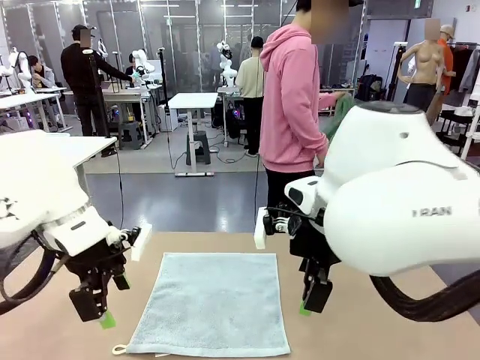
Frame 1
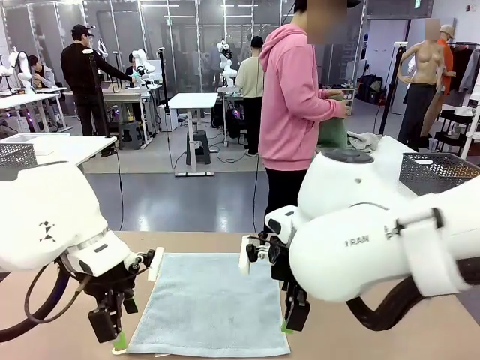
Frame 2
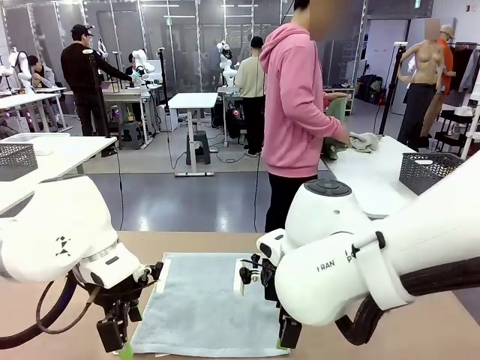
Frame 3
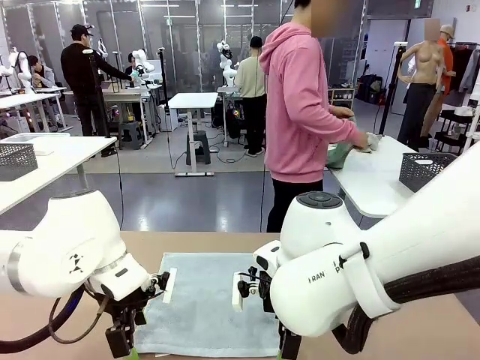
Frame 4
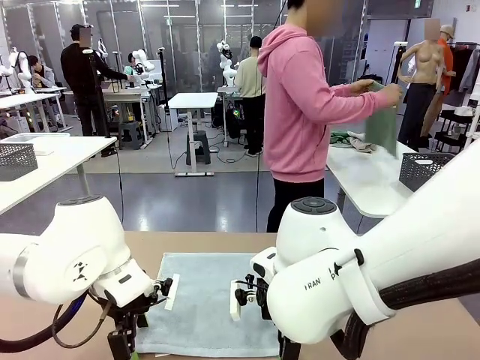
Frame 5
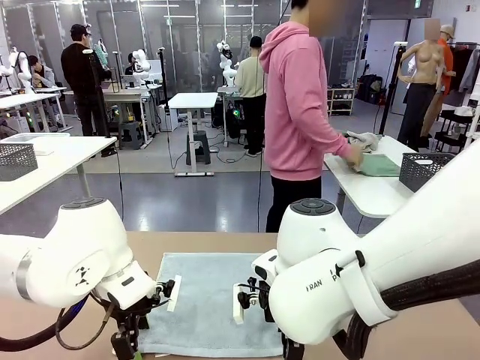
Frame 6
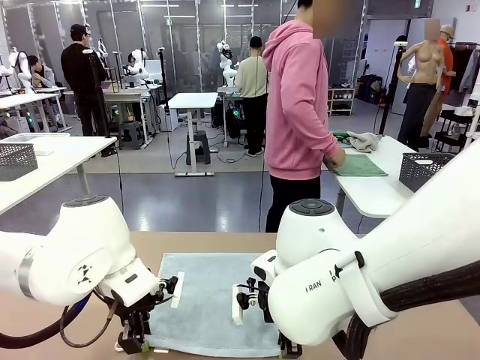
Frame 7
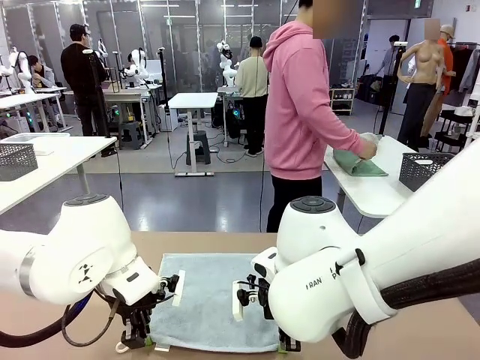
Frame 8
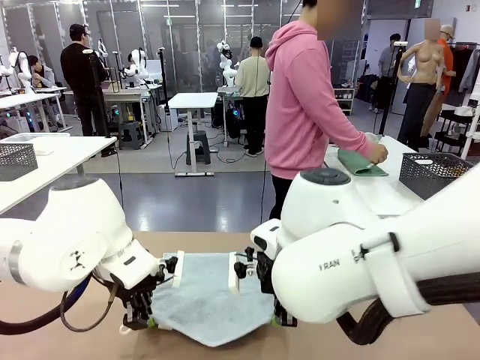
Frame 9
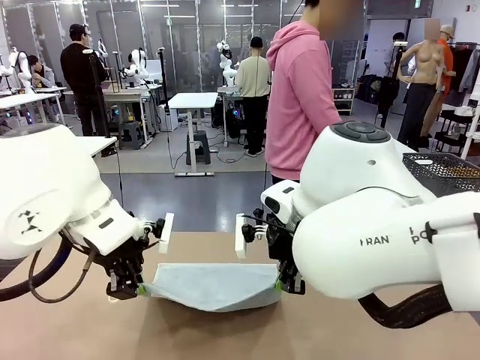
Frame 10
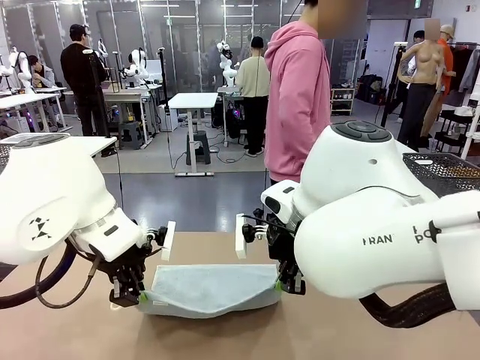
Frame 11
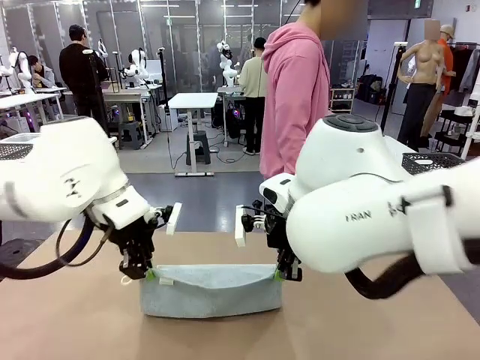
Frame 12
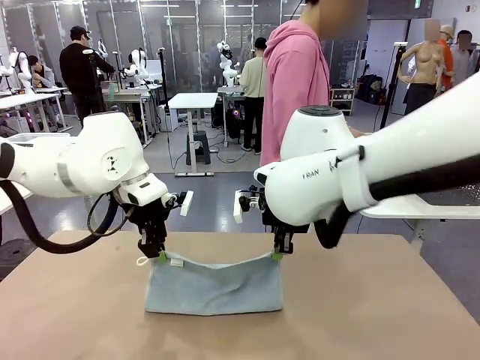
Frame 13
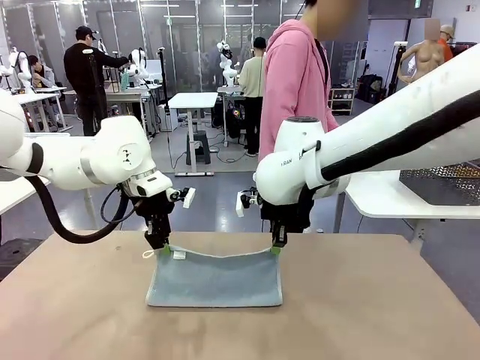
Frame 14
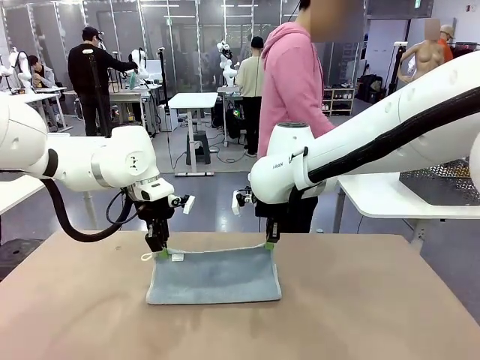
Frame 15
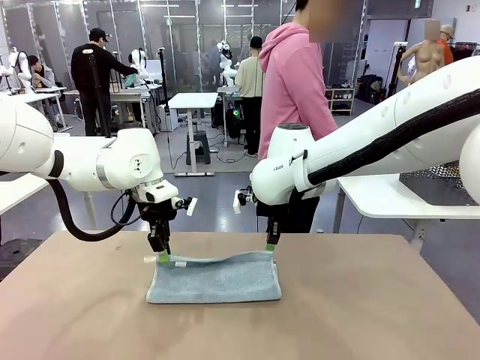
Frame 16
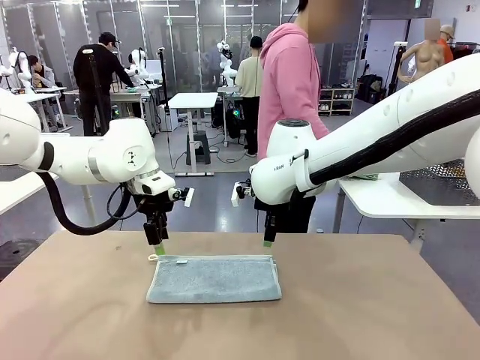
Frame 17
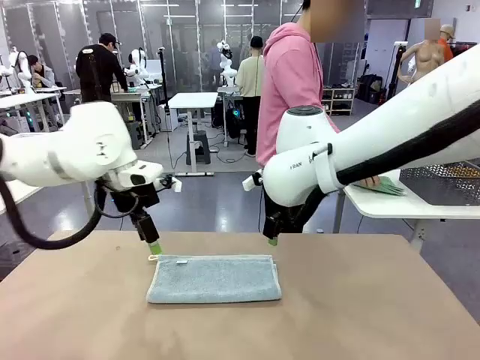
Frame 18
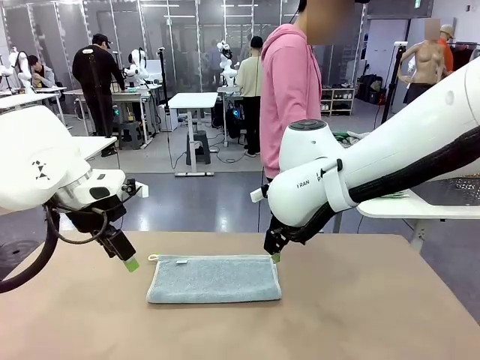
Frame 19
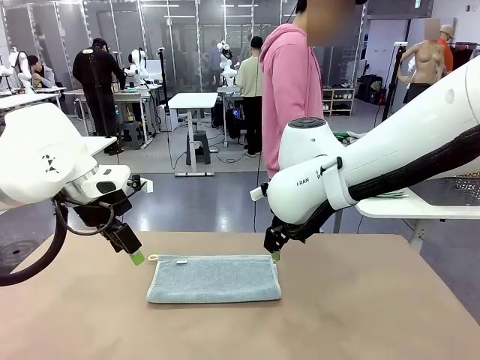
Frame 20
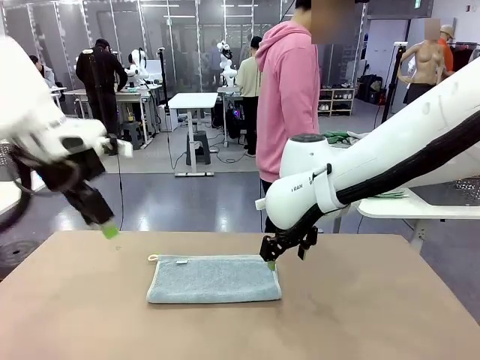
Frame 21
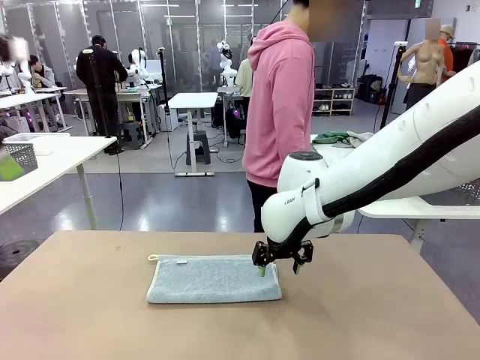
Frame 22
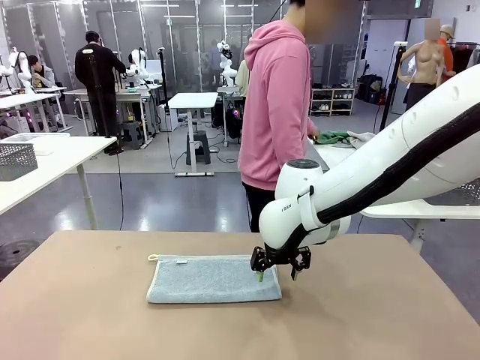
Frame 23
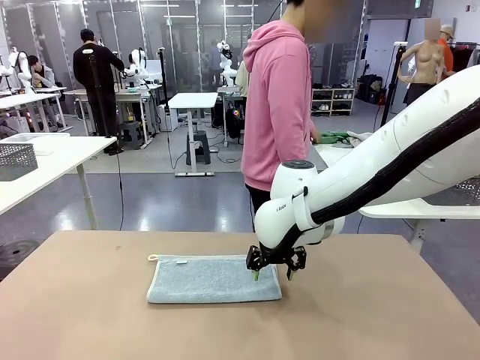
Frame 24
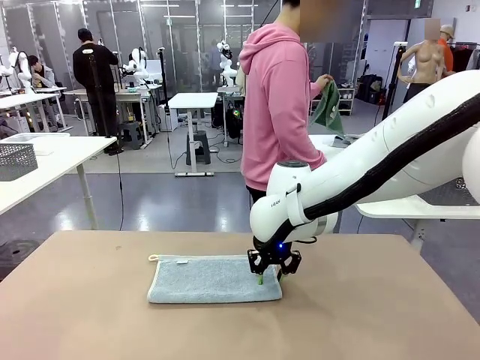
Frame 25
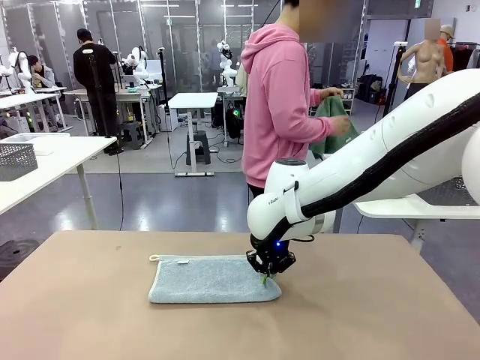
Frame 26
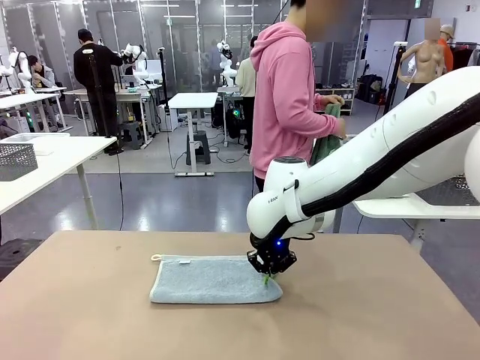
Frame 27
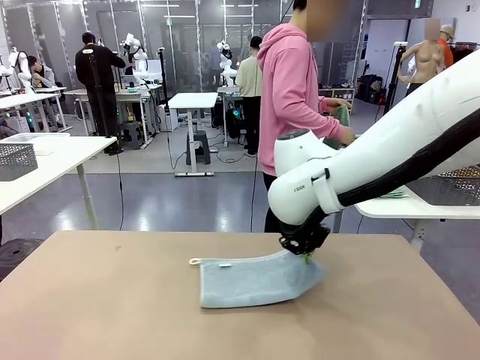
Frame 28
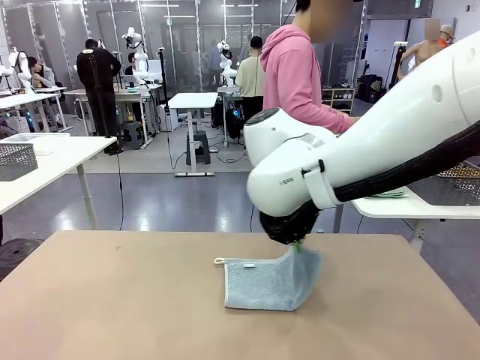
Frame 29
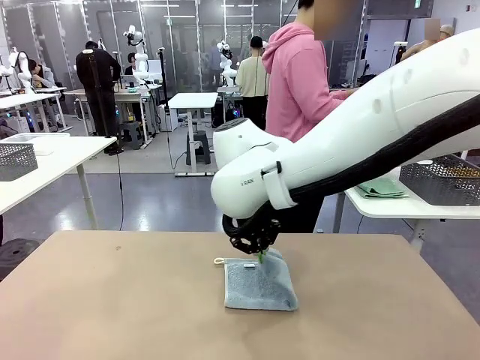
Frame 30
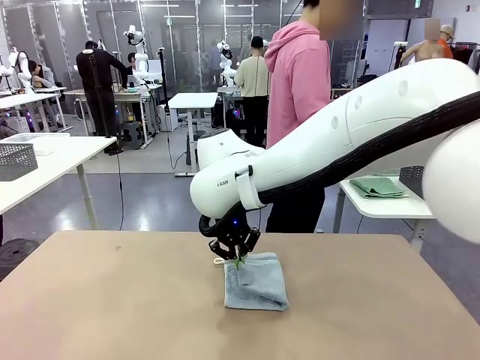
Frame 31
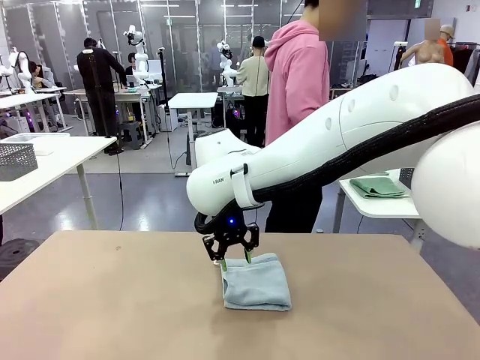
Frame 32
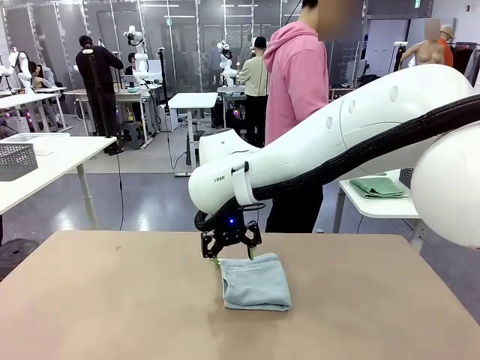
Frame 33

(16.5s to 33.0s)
Task: Fold the towels and place them in the basket.
Robot: When a person lays out a Towel with hook on the table, fold it in half twice.
Person: Pick up one towel from the left side of the human table, fold it in half twice, and place it on the right side of the table. Pick up one towel from the left side of the human table, fold it in half twice, and stack it on the right side of the table.

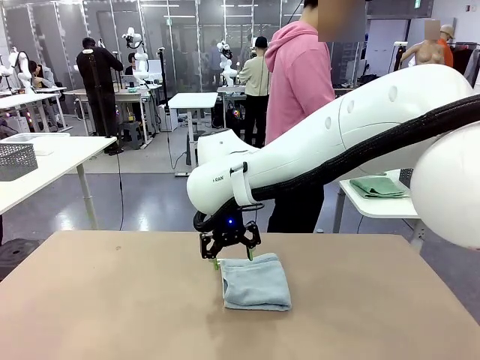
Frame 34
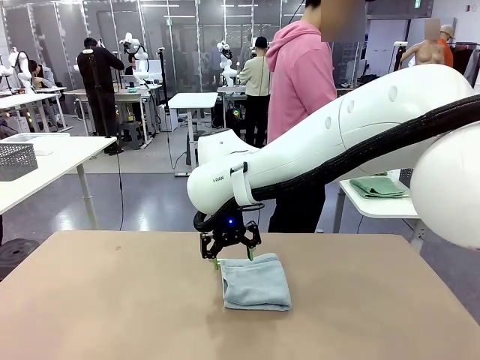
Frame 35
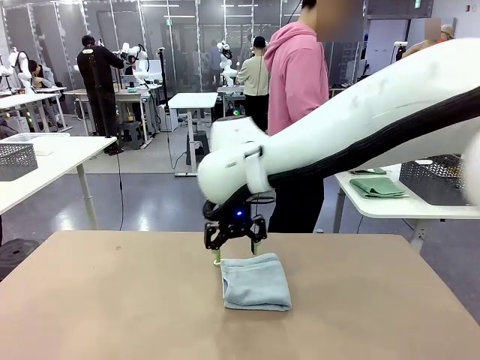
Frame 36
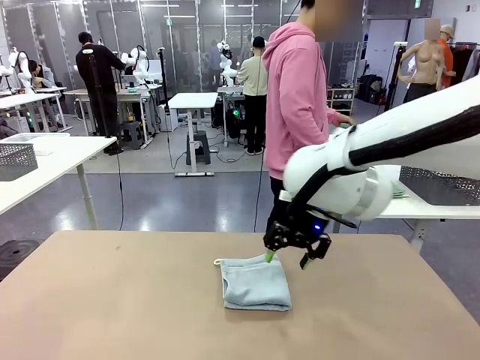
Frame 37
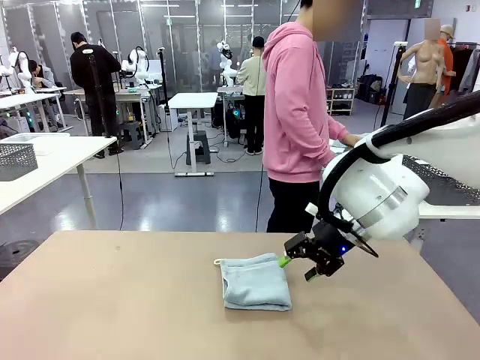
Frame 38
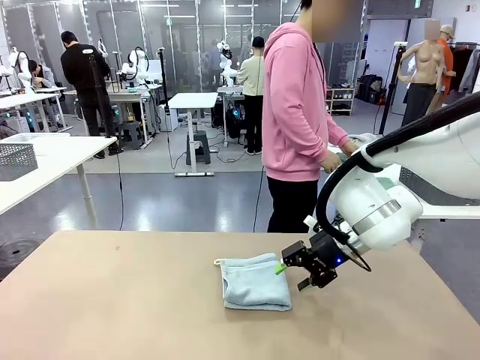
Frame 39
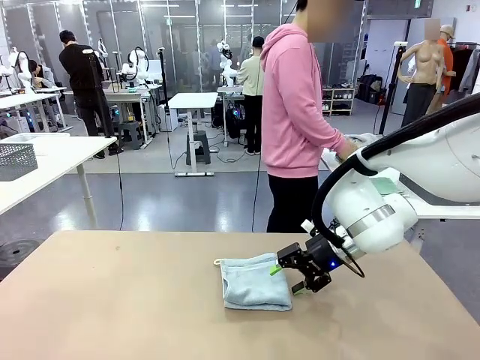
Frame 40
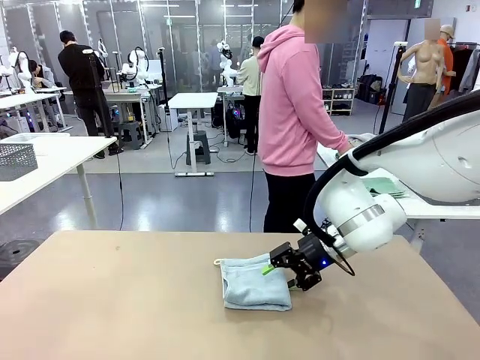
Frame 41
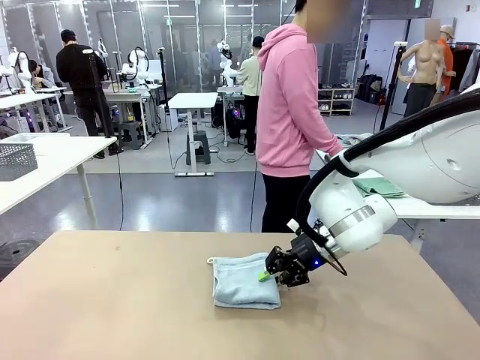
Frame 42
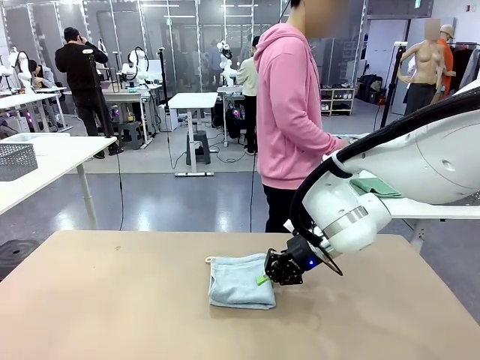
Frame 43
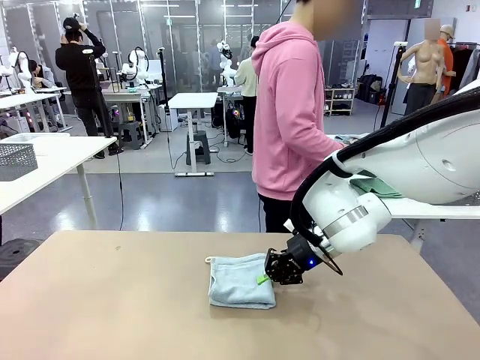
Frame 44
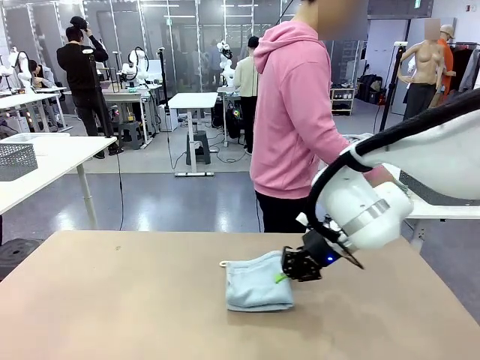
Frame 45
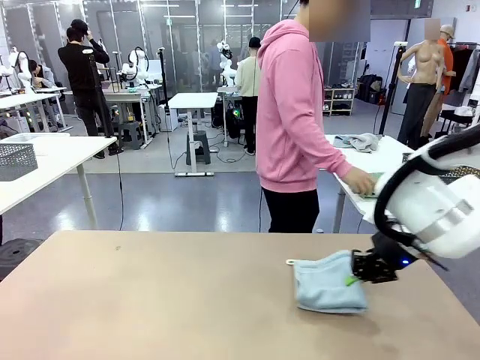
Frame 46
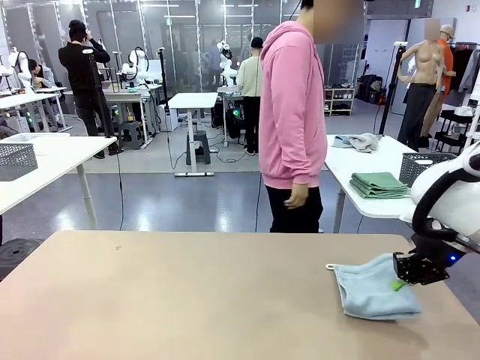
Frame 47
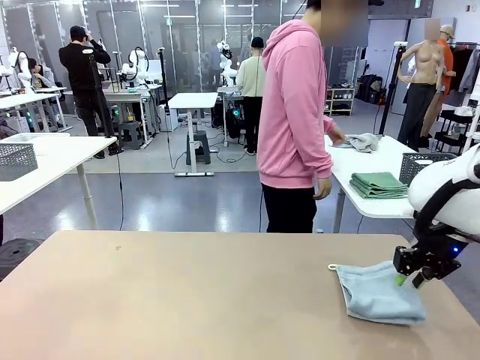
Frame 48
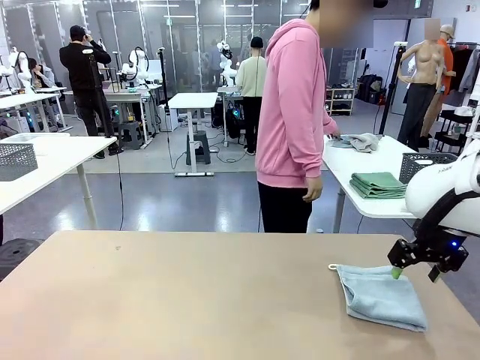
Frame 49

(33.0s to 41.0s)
Robot: Place the folded Towel with hook on the right side of the table.
